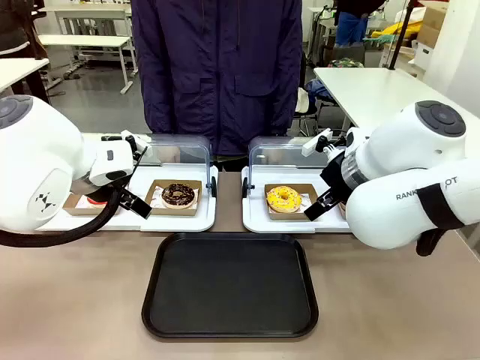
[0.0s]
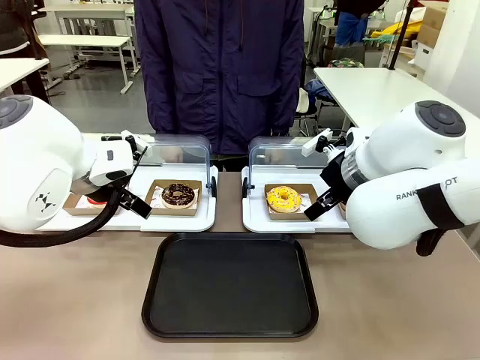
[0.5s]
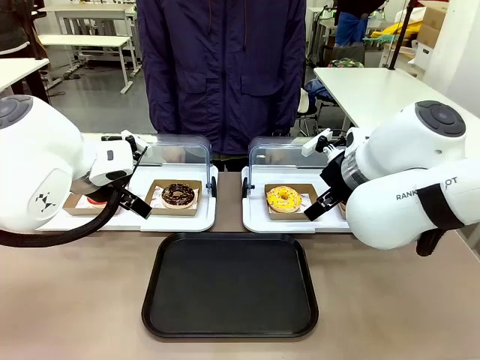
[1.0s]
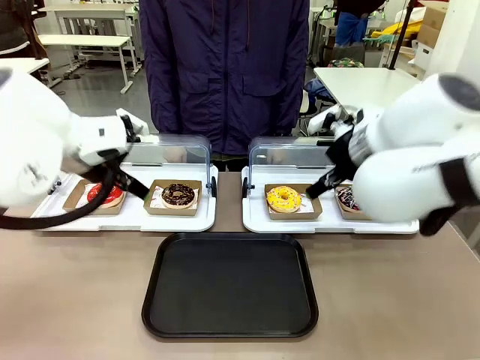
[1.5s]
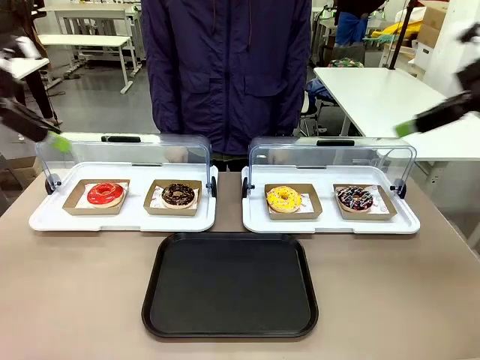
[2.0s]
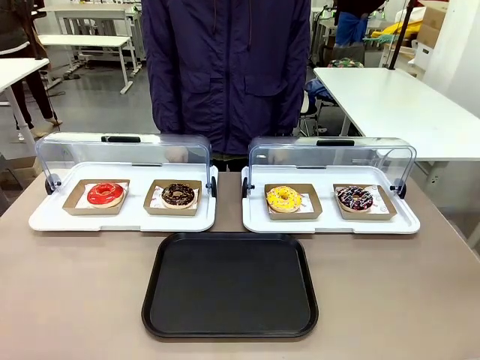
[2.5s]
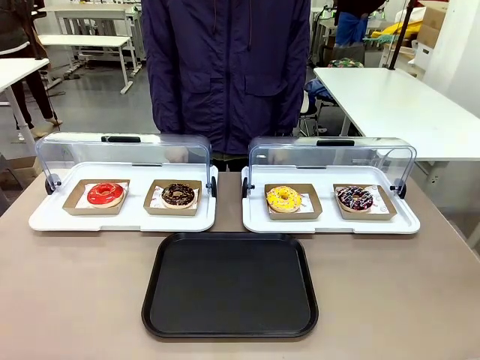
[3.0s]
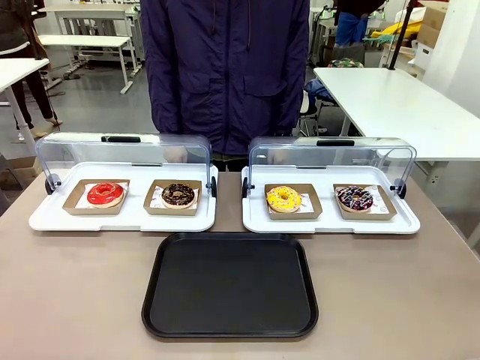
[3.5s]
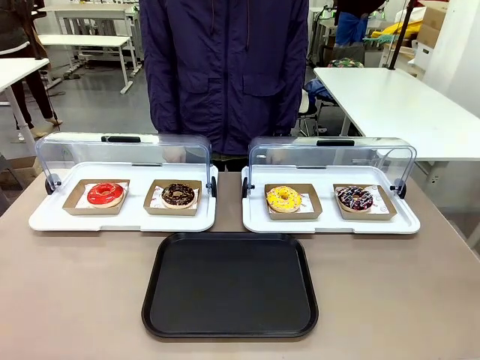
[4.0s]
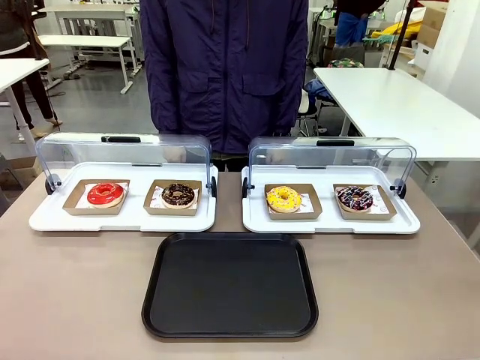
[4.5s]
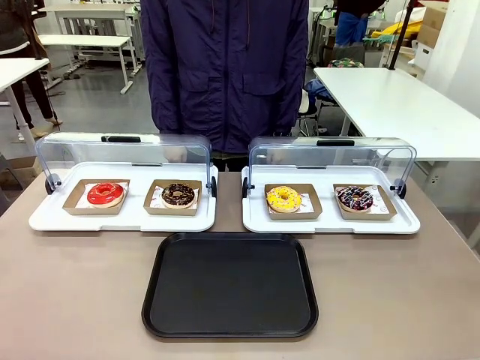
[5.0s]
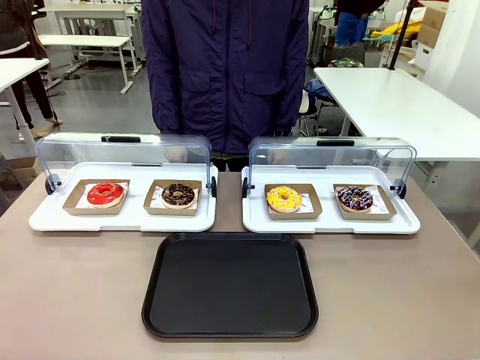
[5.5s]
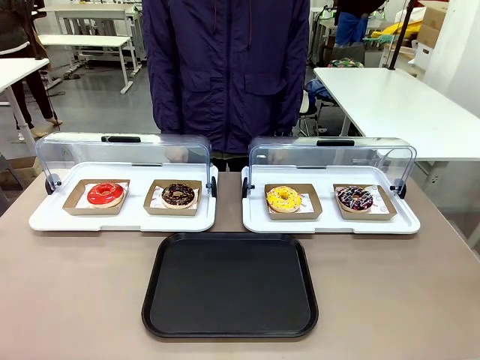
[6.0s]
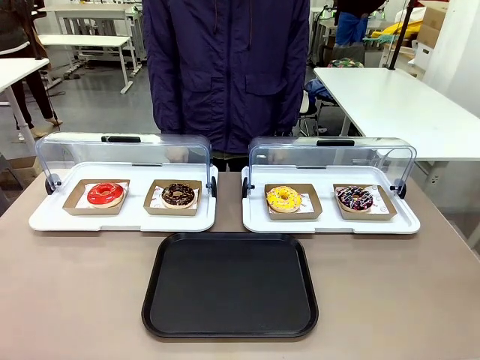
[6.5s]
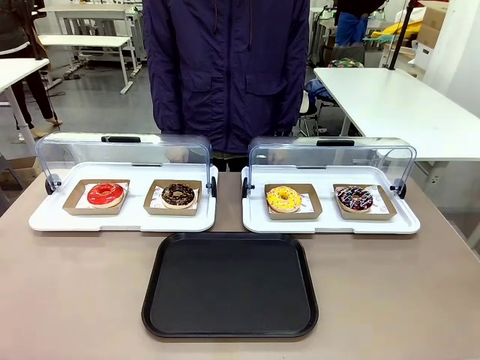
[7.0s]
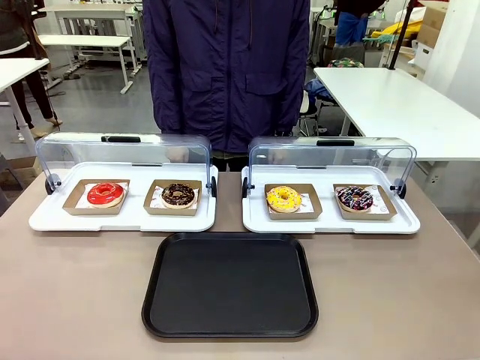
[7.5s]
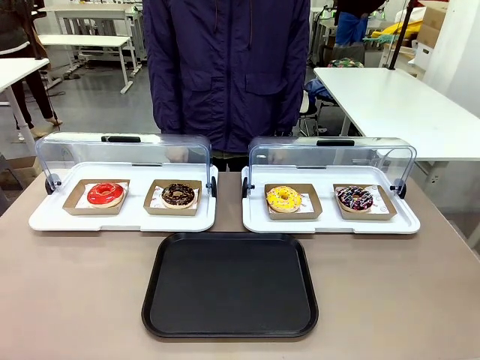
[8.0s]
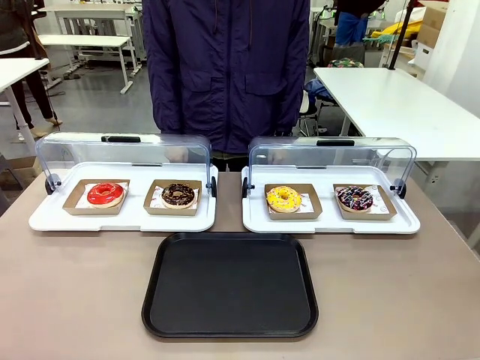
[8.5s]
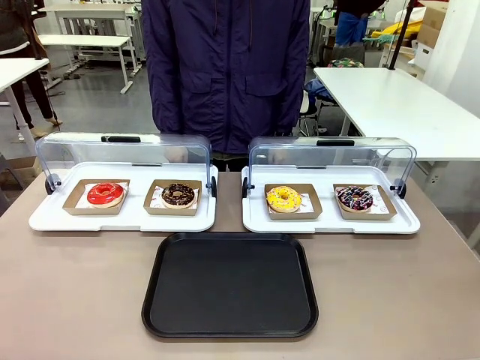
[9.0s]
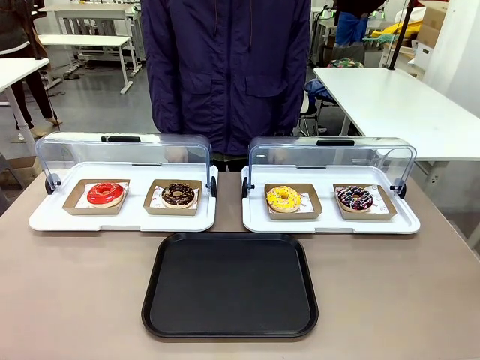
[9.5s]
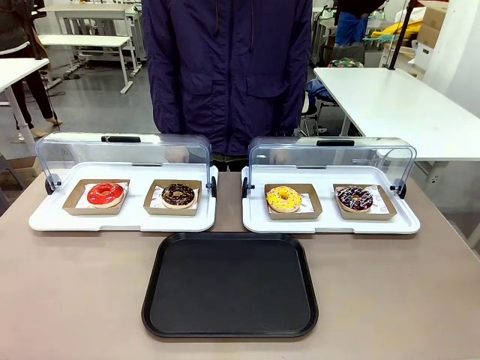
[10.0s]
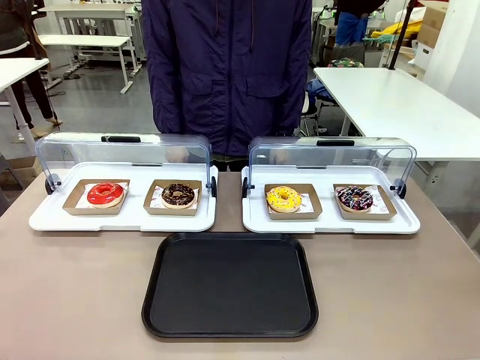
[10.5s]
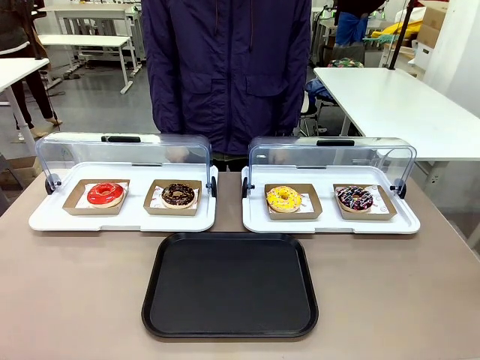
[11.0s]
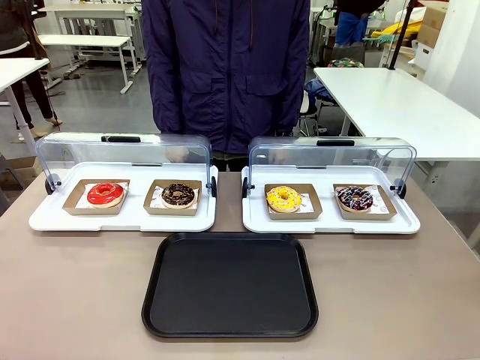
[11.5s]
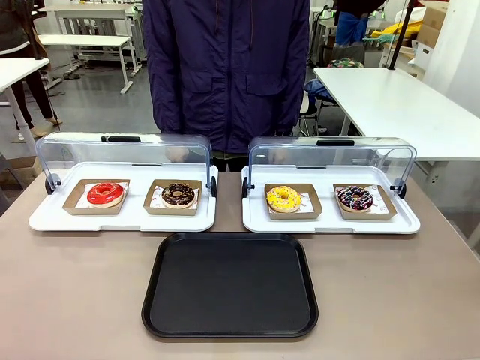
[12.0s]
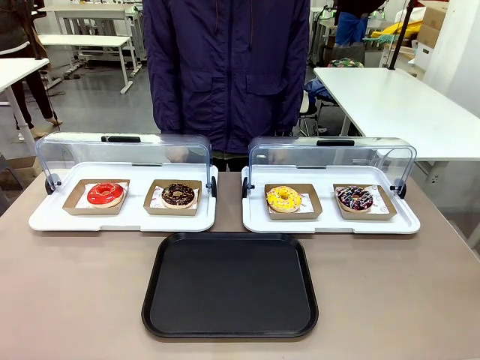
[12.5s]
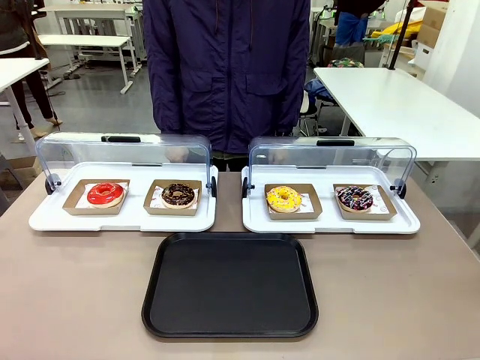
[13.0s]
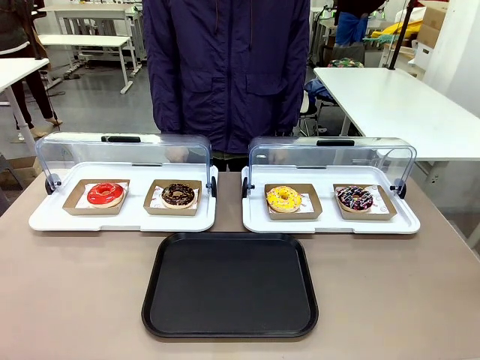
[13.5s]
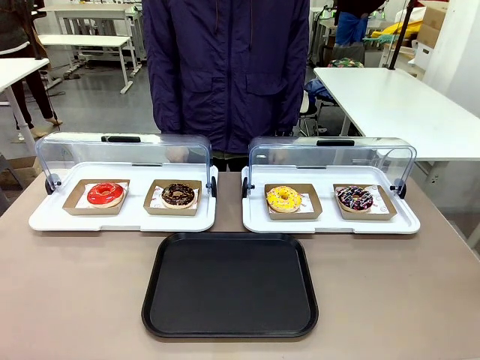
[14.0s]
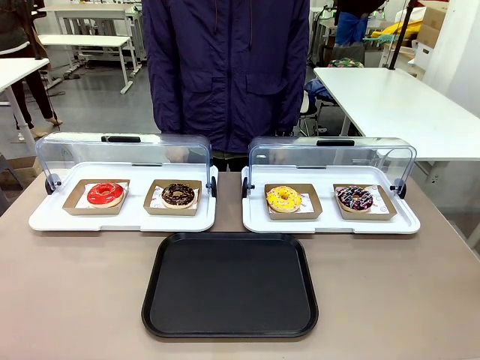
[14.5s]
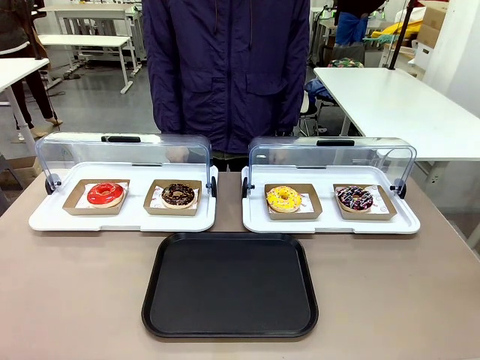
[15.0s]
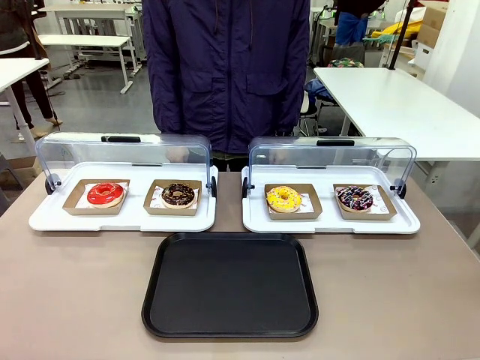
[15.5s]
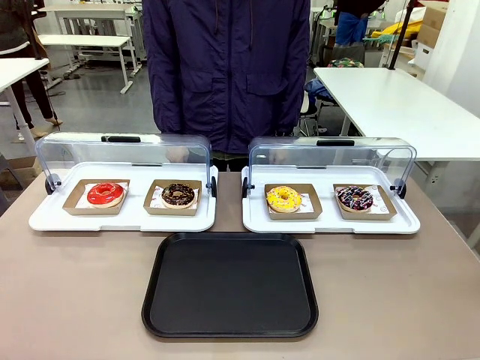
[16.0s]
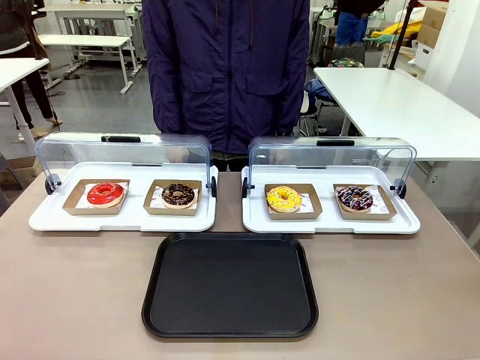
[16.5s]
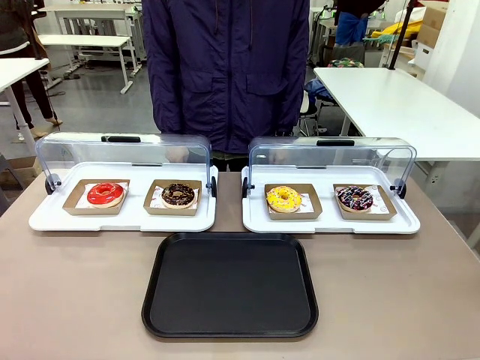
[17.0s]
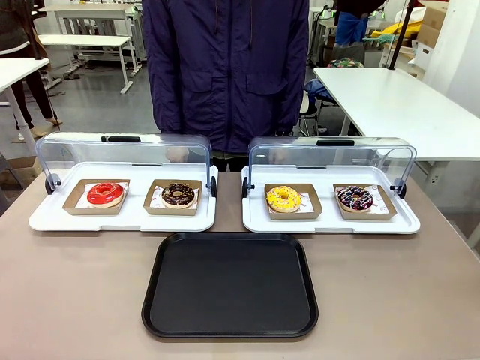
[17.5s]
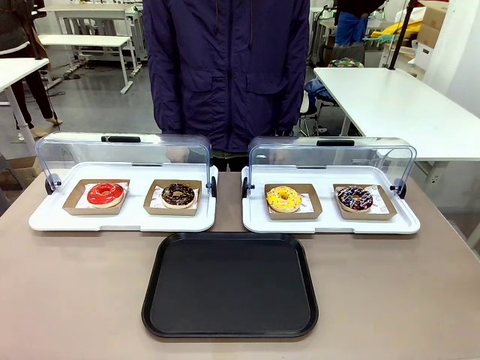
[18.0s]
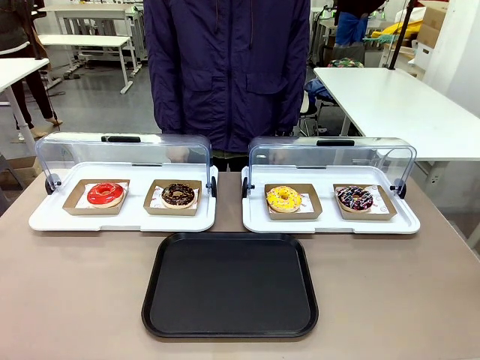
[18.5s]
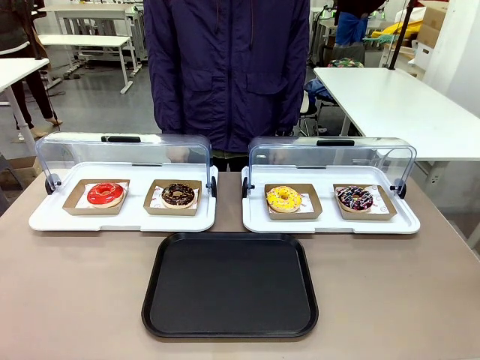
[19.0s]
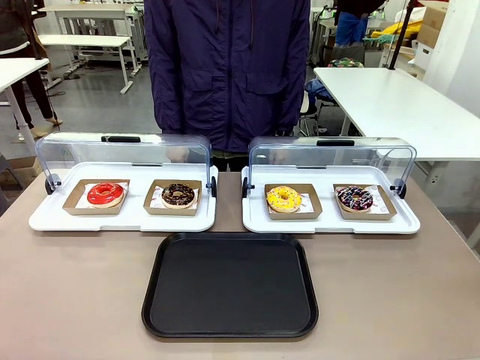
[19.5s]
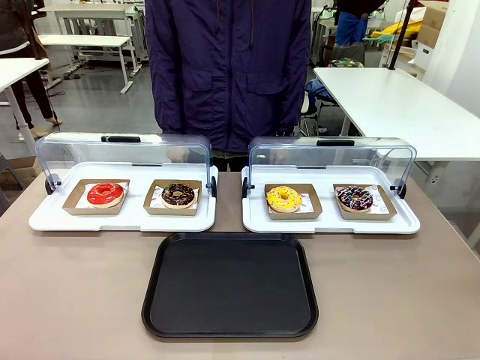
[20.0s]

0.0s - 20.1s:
Task: Move the third donut from the left to the tray.
Robot: Pick up the Paper togo box containing the Donut indicated by the person and place it on the Handle tray.
